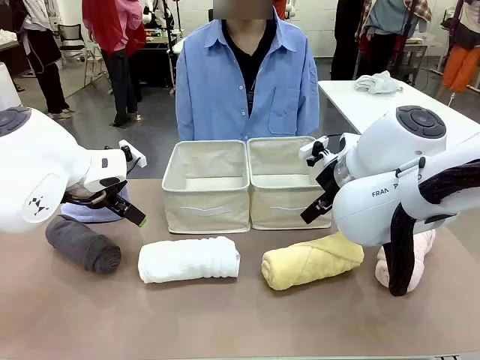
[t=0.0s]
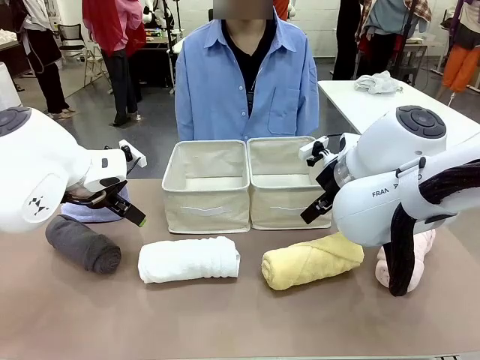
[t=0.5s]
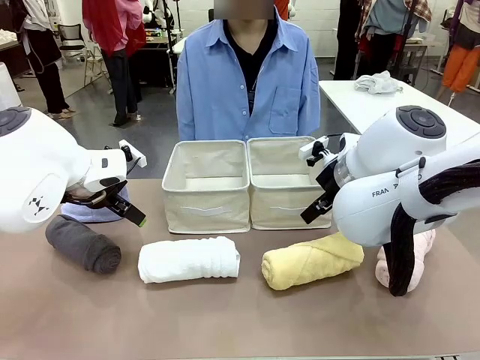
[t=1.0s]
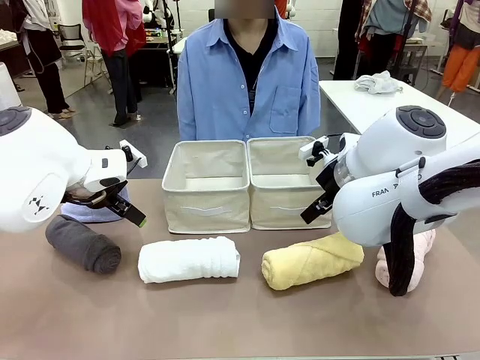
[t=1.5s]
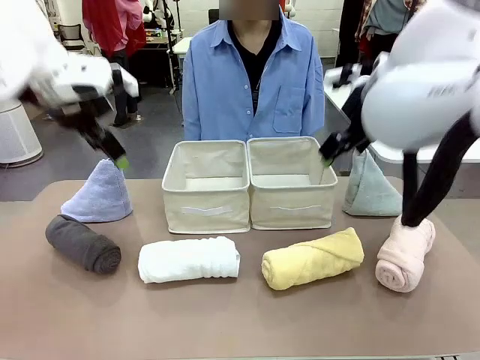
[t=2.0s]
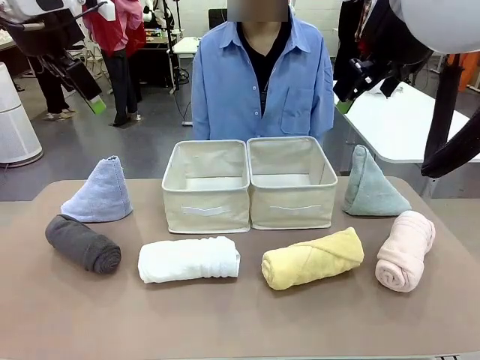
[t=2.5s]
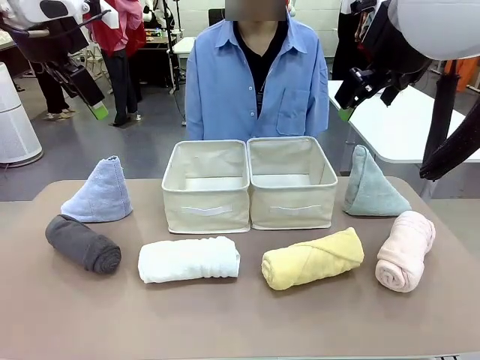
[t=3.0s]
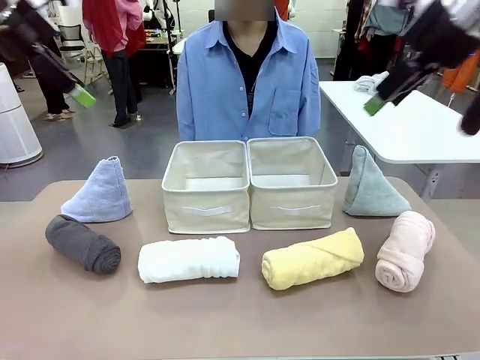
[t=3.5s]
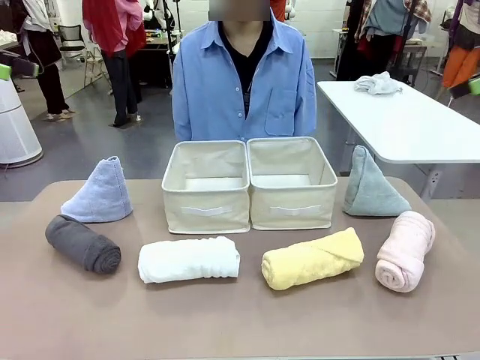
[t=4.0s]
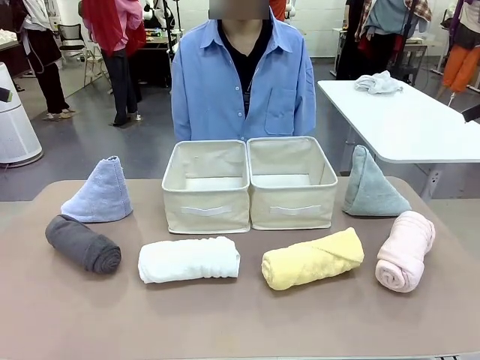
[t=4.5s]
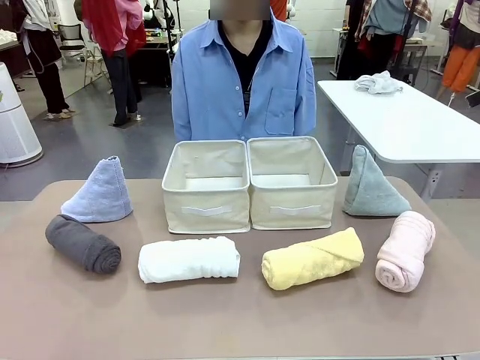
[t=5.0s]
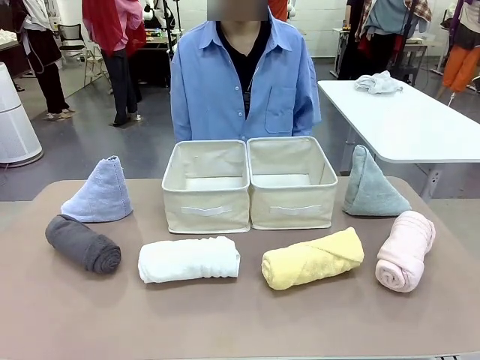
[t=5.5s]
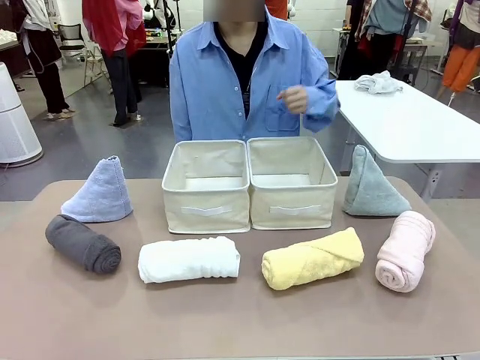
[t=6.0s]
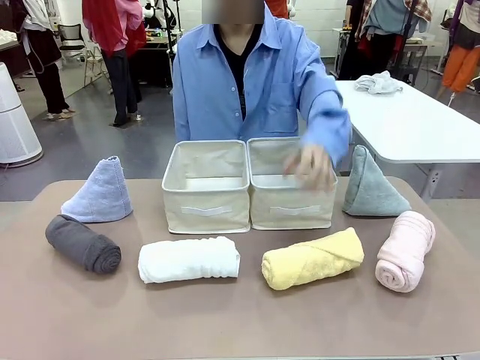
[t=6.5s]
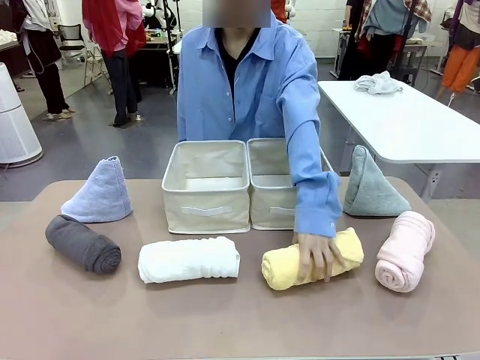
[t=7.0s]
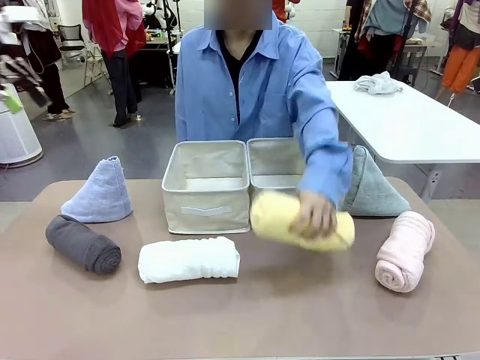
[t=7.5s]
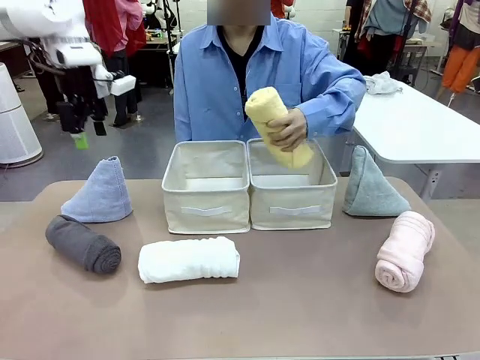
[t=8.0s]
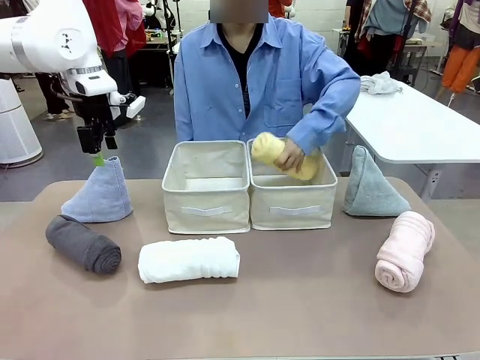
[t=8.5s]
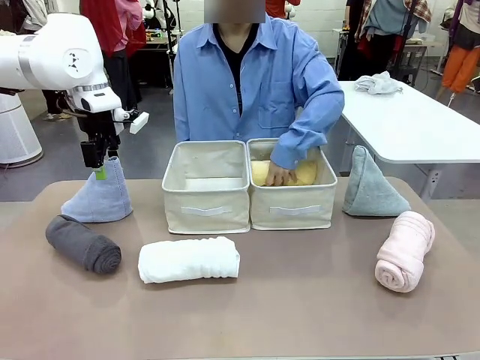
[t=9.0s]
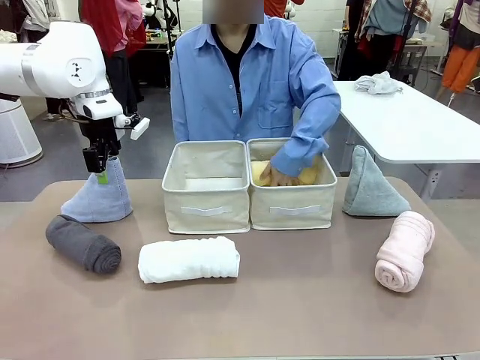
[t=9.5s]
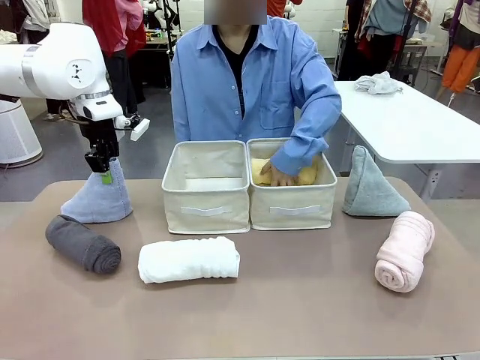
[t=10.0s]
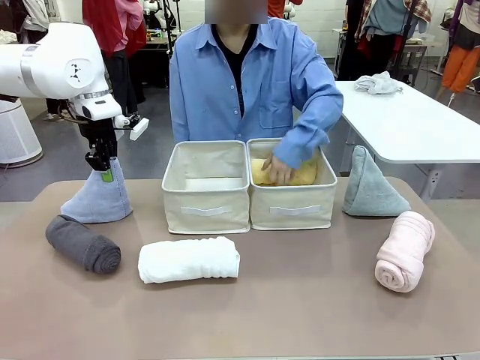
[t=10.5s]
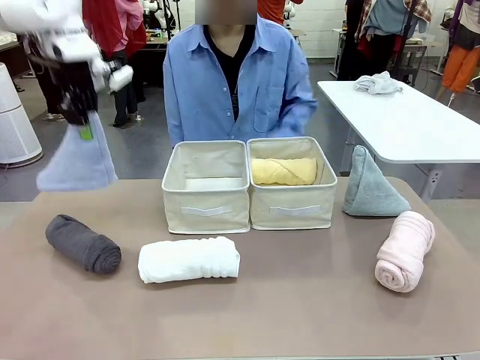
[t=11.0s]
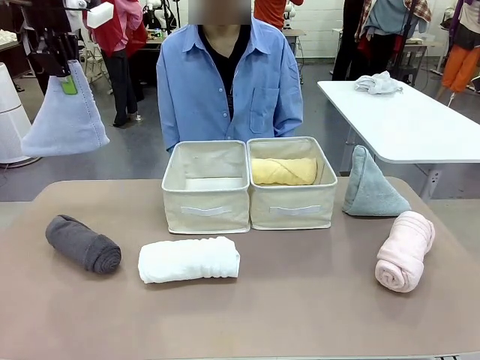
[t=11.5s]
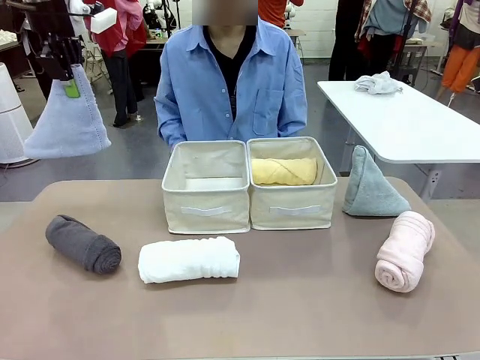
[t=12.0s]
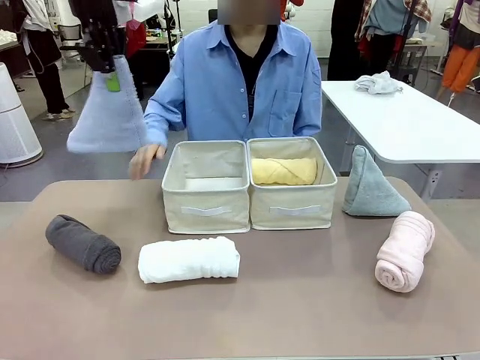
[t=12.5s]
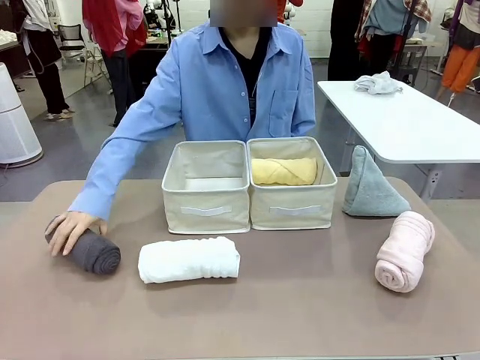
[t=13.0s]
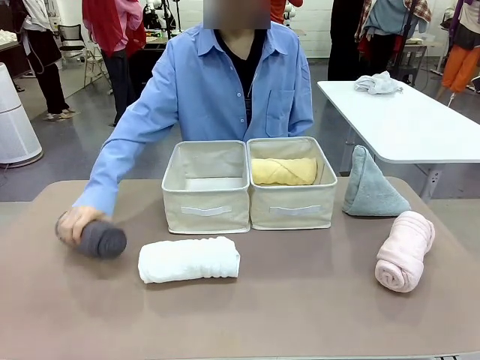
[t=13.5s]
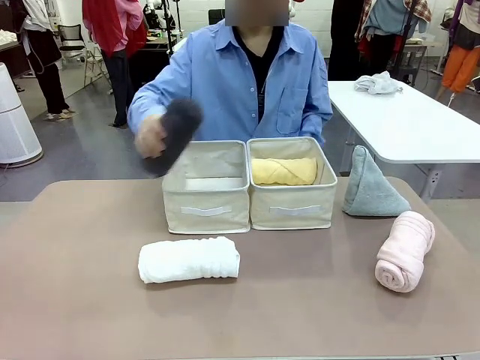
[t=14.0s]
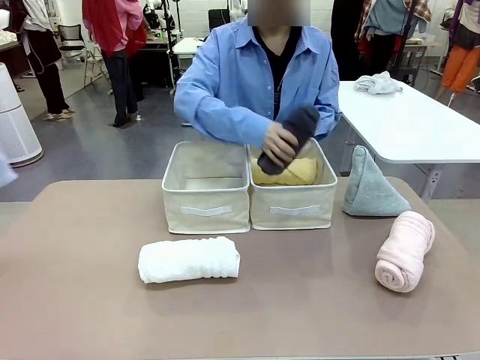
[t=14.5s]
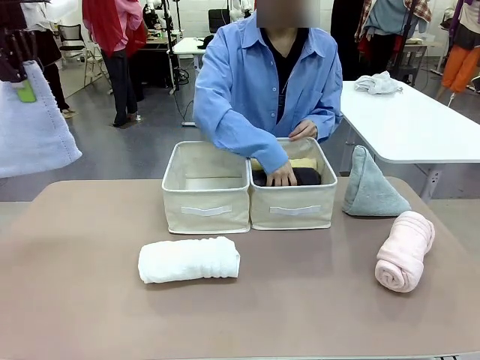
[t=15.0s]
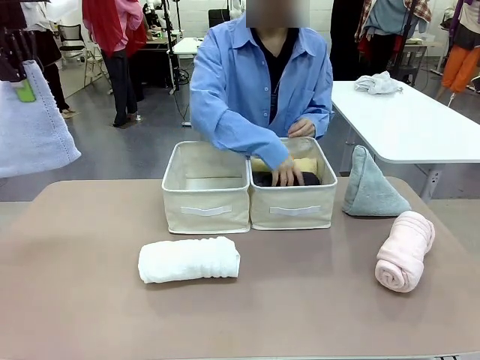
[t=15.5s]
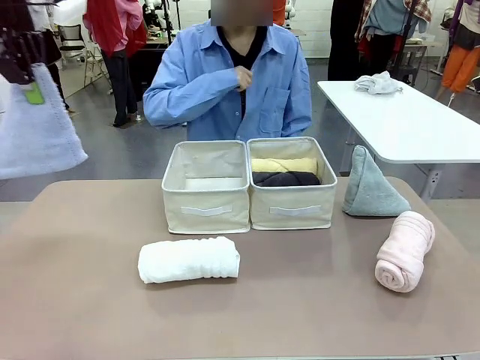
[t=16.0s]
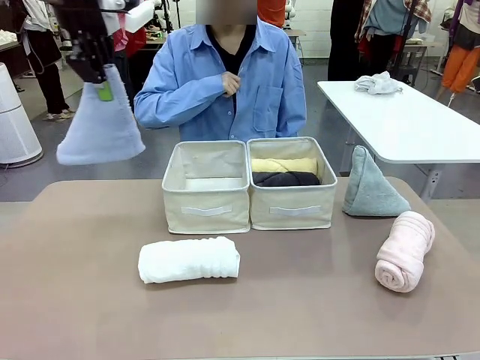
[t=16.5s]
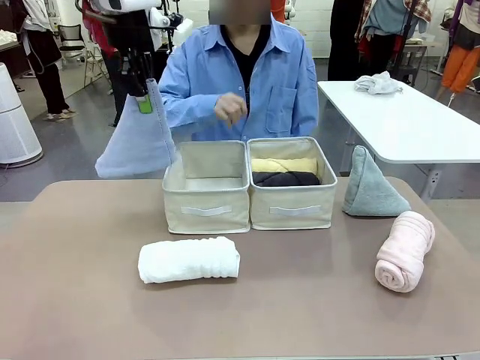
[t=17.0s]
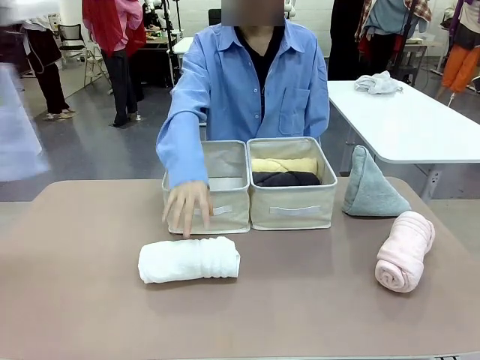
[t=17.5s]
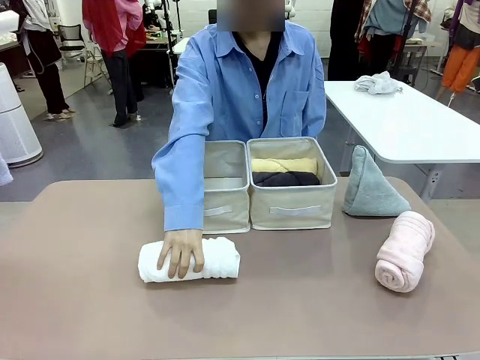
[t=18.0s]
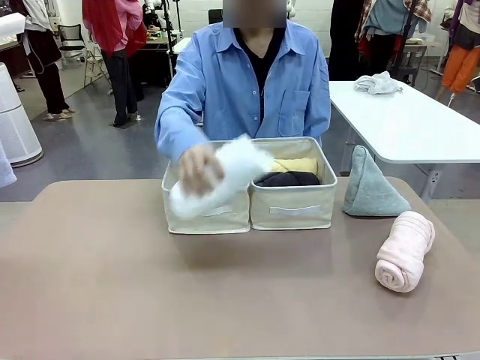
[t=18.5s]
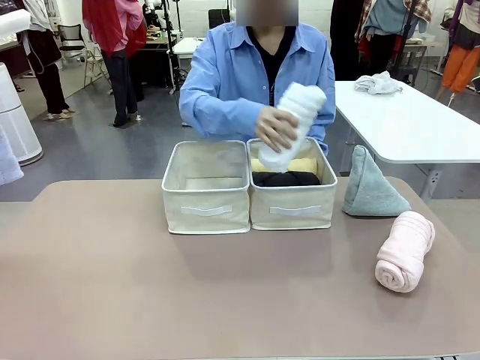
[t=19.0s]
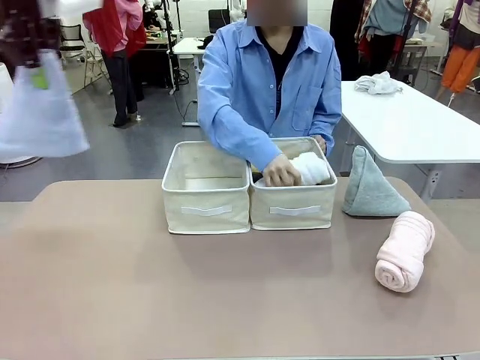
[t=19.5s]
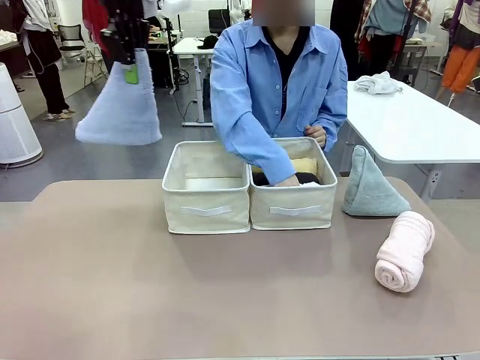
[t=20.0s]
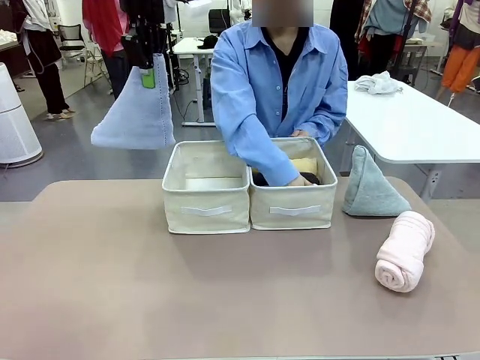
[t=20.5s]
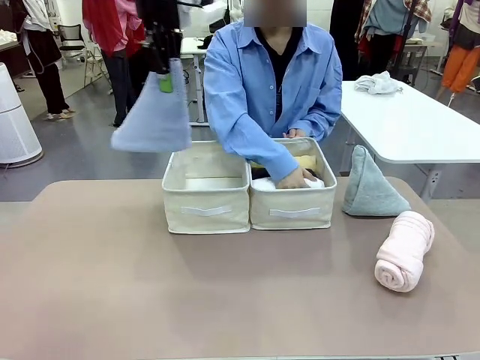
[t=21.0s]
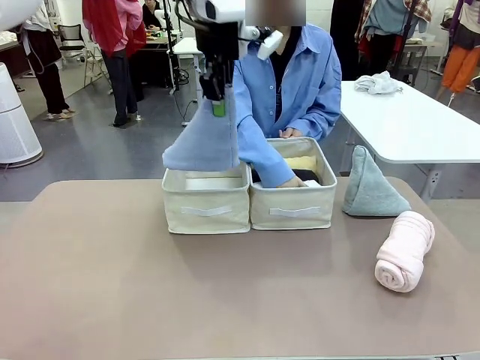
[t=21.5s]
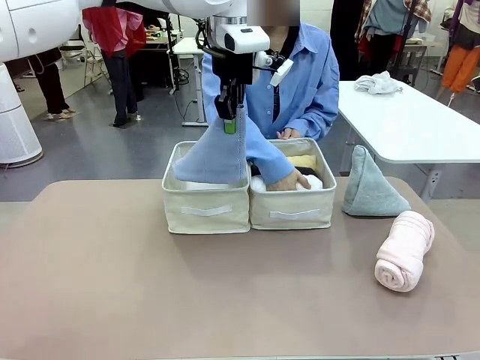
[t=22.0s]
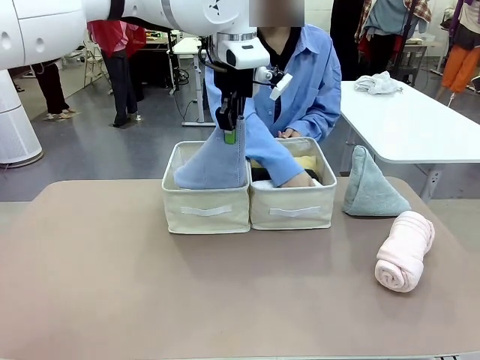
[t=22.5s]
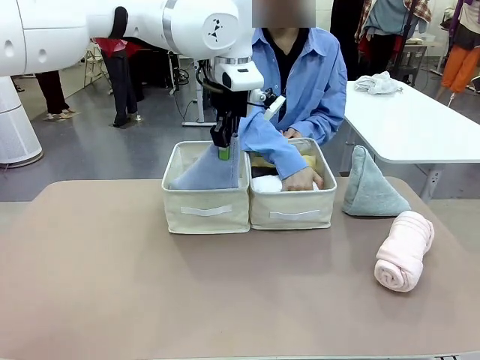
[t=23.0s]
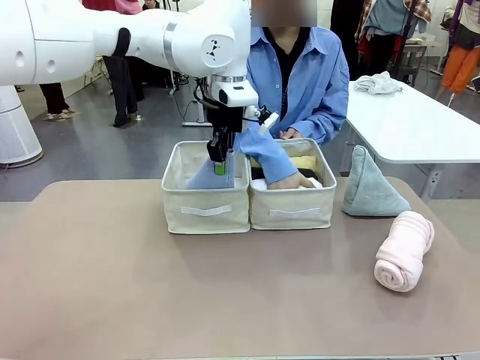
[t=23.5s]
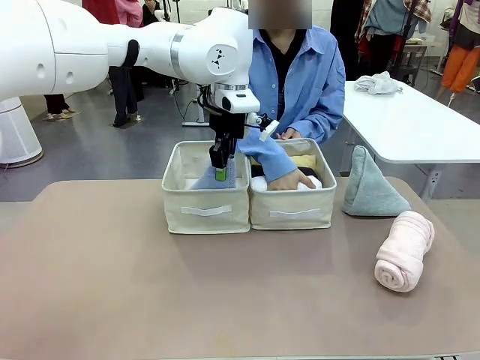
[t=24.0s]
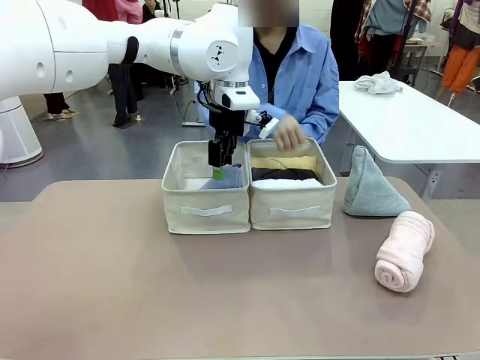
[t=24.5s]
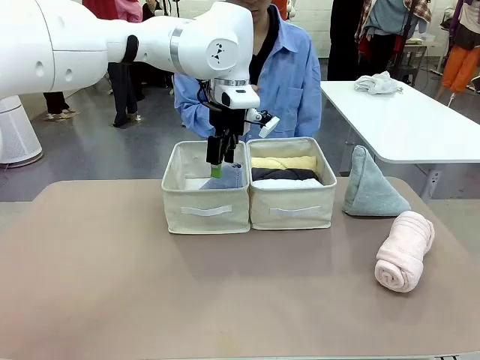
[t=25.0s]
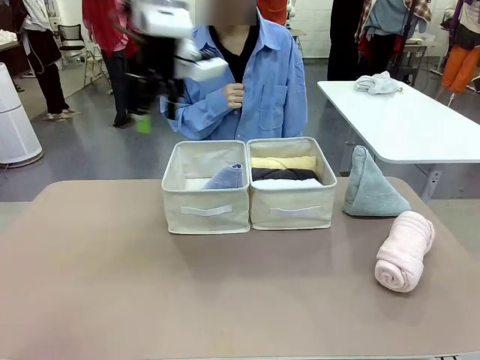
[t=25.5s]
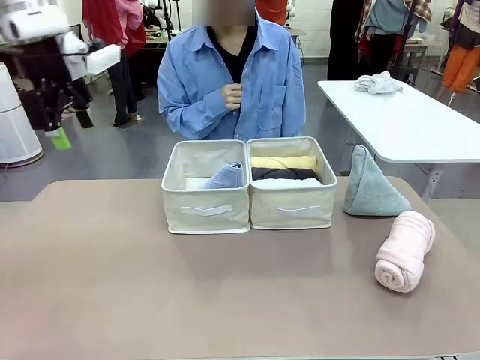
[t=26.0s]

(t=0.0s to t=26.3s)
Task: Sort the towels based on their folding style.
Robot: Pick up one triangle-folded towel and place it in the left Fabric basket.
Person: Pick up one hotel-style rolled towel and place it in the left fabric basket.
